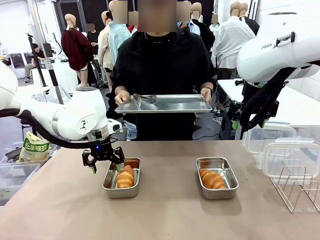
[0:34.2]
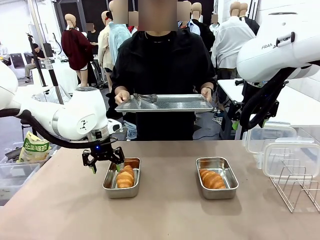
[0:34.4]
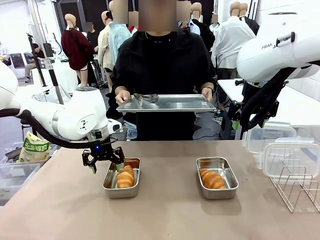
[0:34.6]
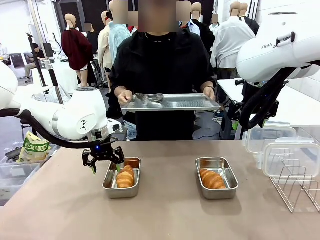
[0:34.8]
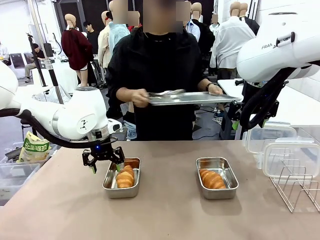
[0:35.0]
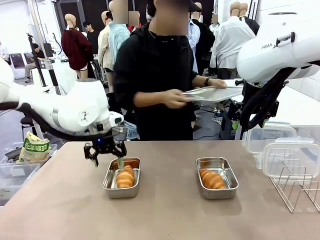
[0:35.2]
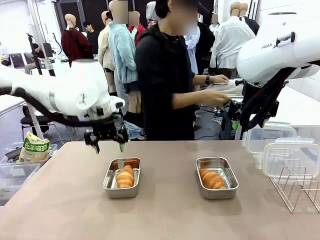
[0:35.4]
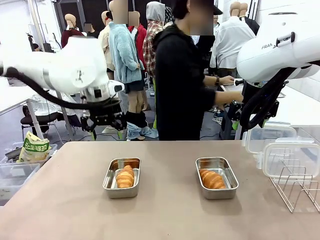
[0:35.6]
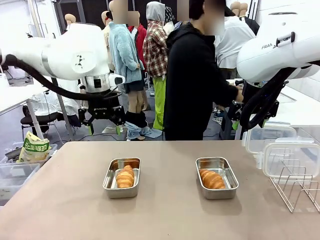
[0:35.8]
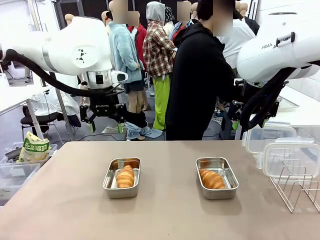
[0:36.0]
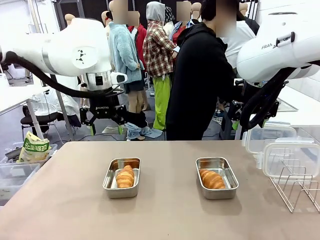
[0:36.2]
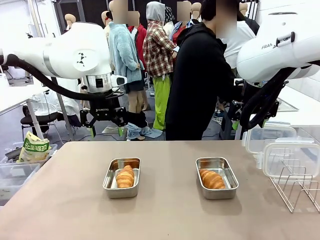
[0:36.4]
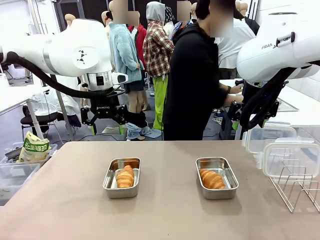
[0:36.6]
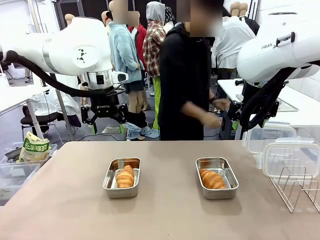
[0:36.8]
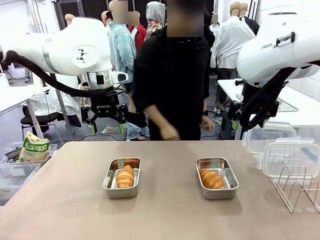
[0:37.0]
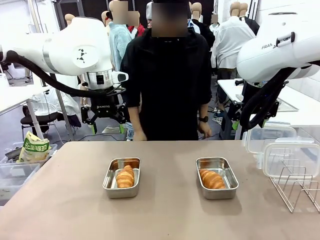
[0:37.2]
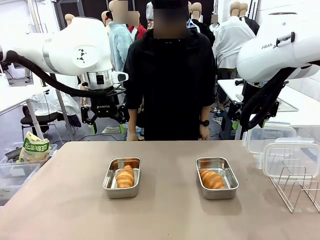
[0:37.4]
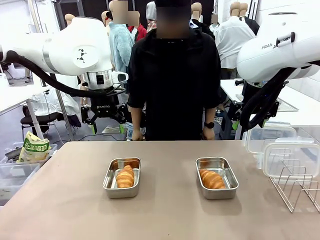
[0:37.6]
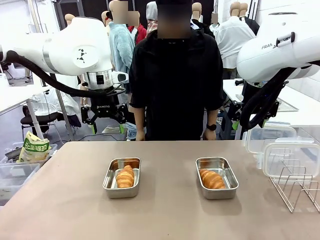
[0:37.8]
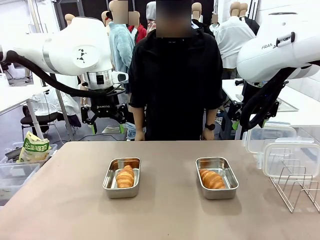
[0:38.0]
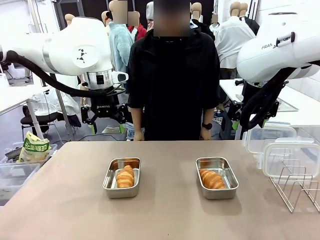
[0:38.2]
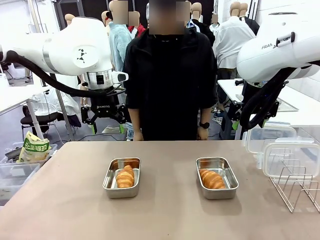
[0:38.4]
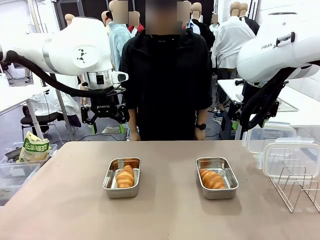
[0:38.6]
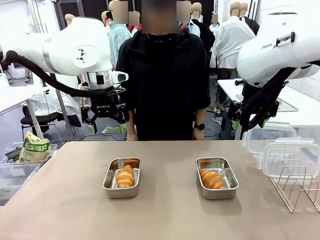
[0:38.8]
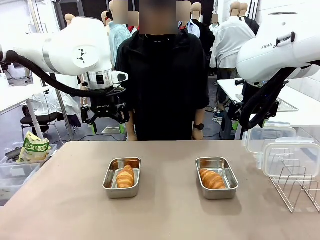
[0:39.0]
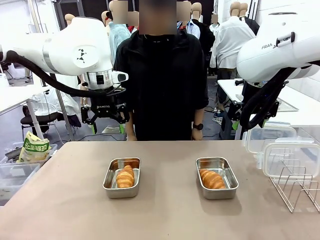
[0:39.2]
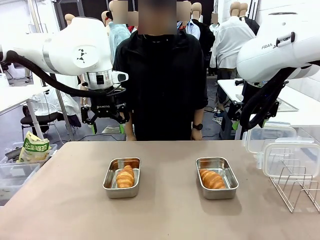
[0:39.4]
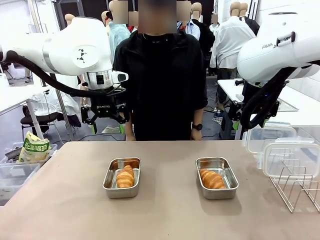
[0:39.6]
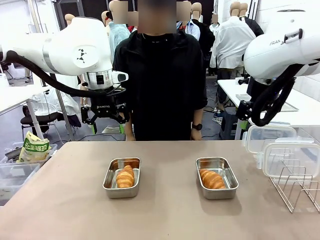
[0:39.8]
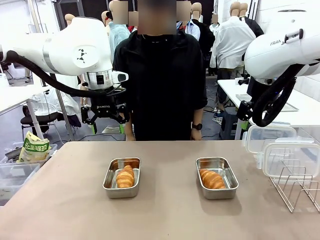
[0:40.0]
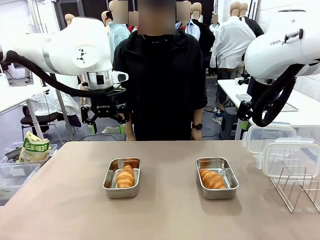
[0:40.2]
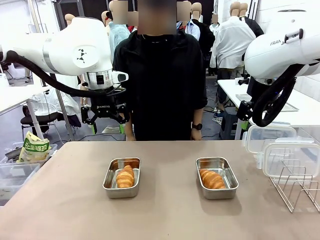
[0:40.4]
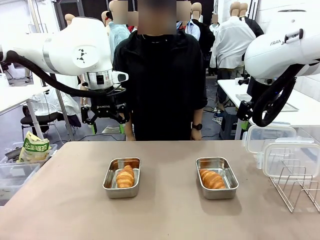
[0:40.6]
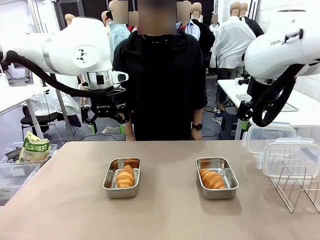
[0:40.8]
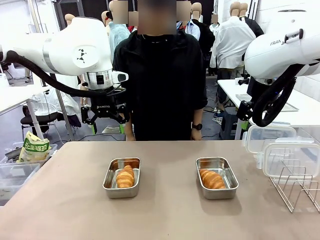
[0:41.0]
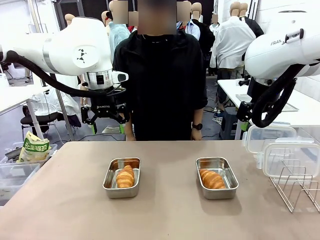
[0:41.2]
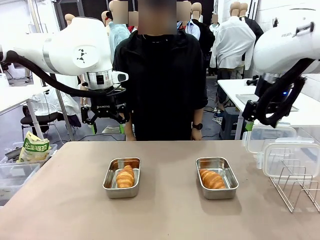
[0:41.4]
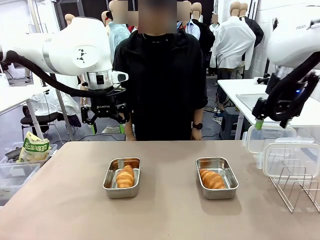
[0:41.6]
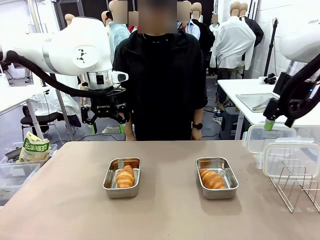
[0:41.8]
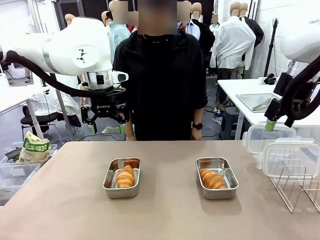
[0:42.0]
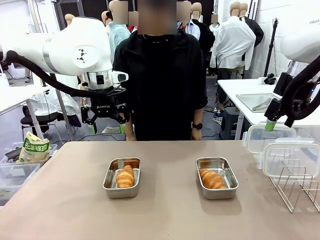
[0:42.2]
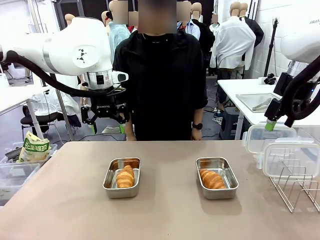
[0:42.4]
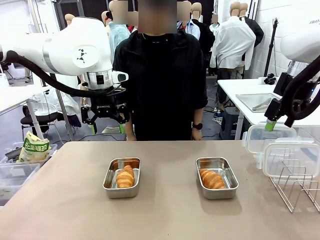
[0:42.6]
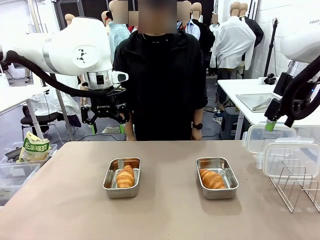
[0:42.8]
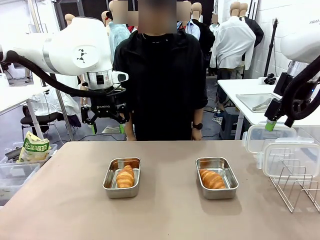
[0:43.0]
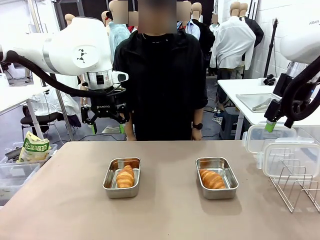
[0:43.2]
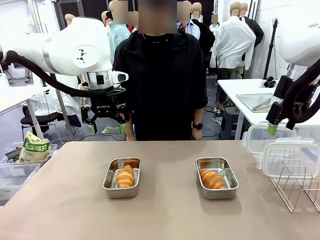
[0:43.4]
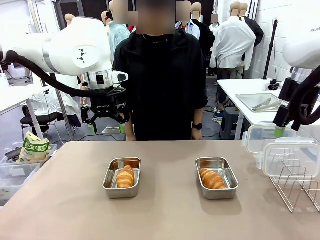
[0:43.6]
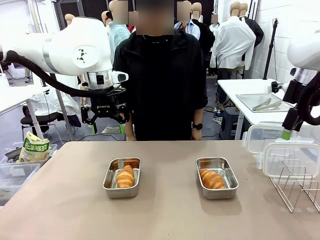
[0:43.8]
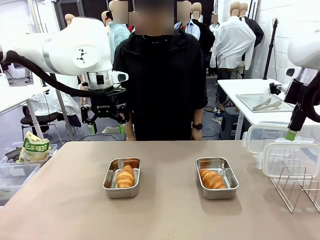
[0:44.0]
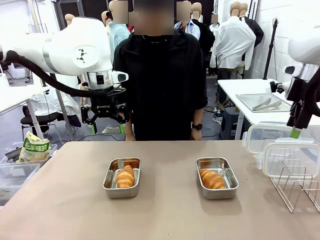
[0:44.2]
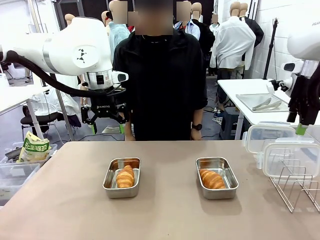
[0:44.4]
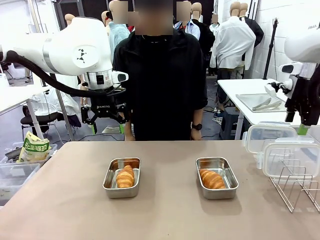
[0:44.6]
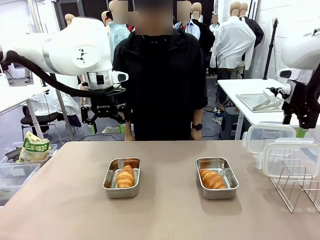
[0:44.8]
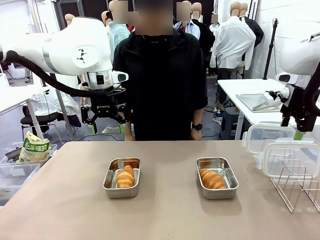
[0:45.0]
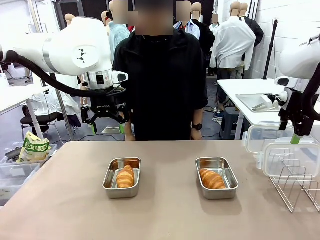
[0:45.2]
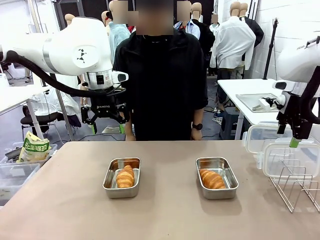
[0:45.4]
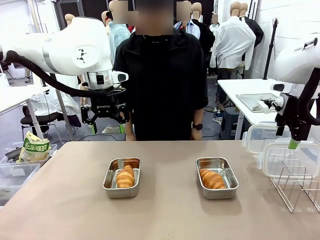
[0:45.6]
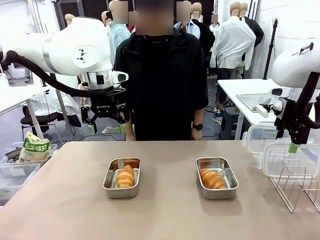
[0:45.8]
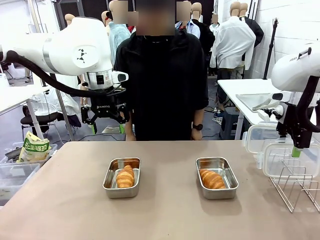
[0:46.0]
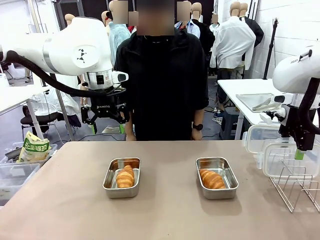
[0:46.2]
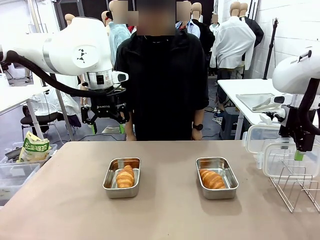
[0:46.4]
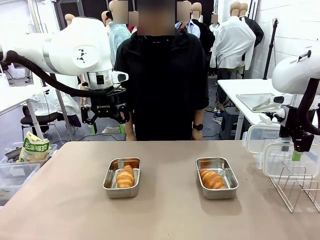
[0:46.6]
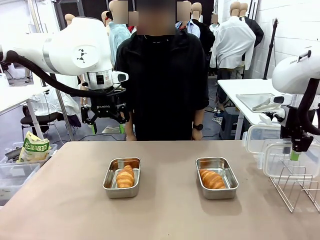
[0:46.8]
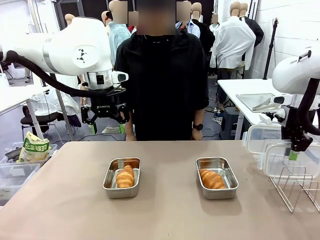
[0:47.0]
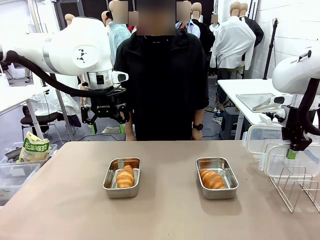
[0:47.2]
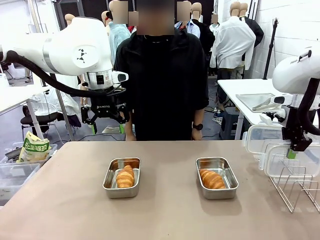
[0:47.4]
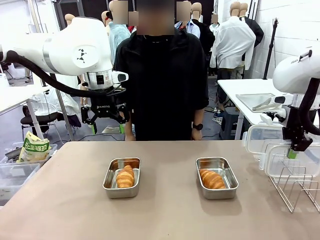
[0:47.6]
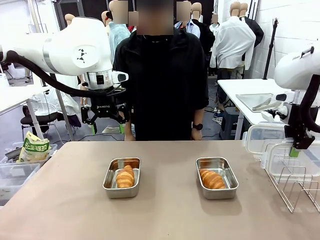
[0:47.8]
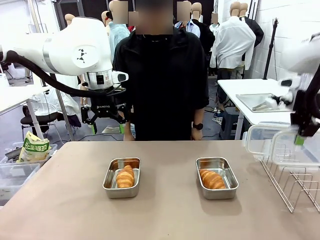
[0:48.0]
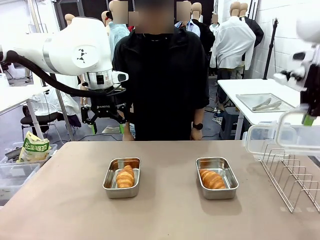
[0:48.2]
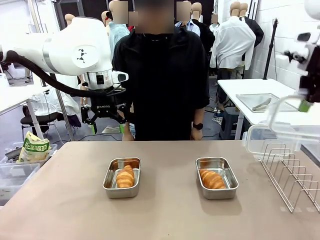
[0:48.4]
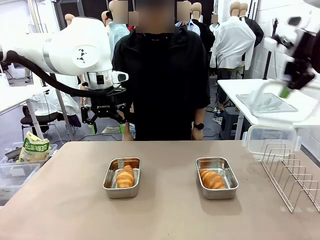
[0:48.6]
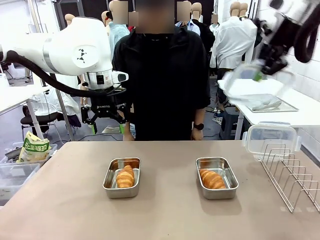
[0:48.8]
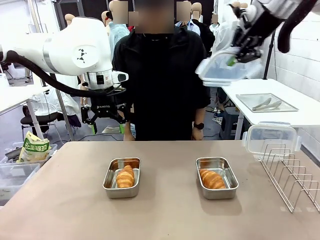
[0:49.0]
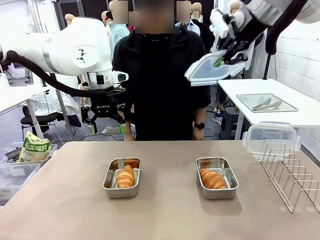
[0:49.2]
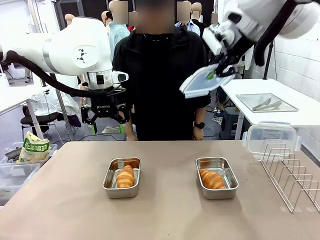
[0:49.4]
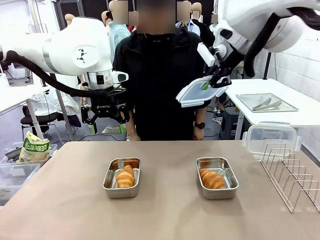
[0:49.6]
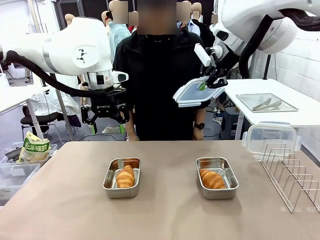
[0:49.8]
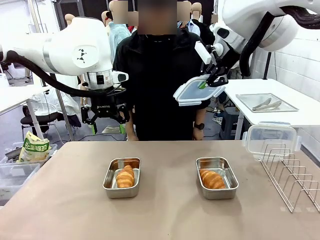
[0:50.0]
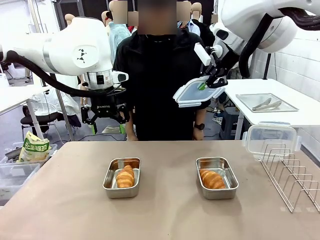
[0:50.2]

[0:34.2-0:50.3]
Task: Place the bread in airtight containers.
Robot: Pick up one Airtight Container lid and hand it to the human.
Person: Grip Airtight Container lid that robot is handing.

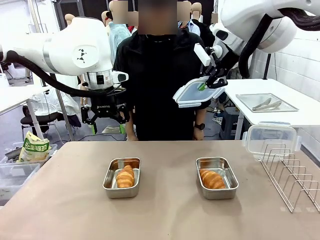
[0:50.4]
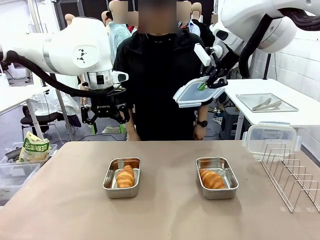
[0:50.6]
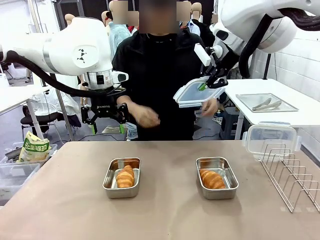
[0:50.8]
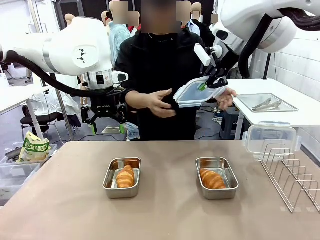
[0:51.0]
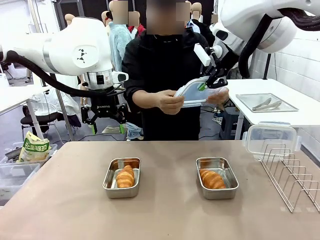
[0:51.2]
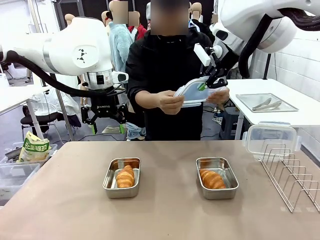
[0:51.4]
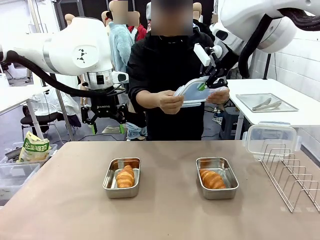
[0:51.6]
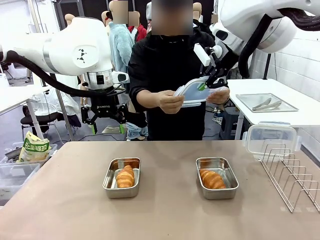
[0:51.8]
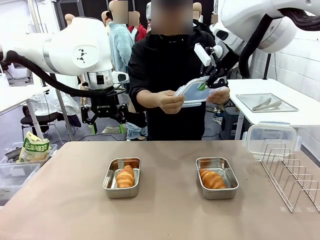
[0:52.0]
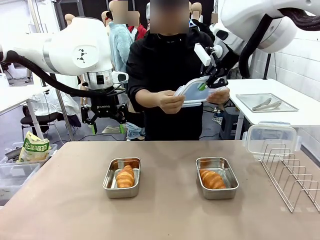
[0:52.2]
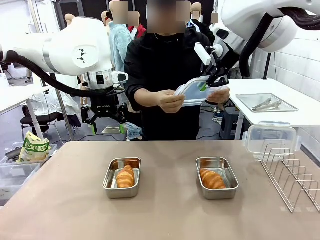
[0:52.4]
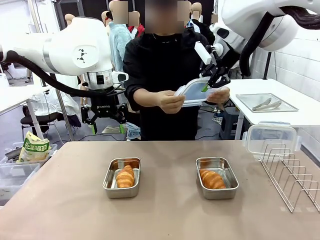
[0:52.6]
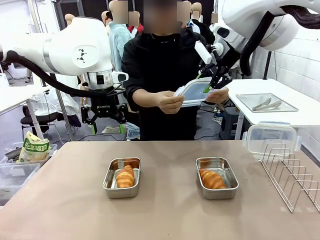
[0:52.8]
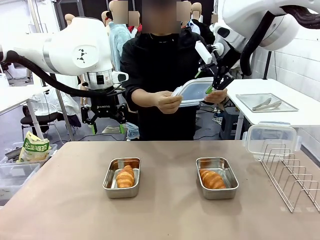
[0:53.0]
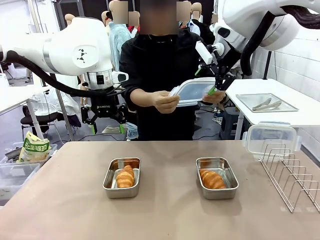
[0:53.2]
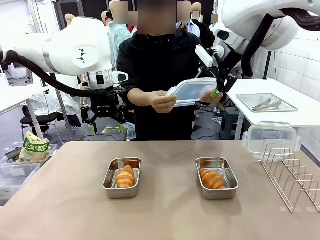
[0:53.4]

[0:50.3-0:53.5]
Robot: Release when the human grabs the Airtight Container lid.
